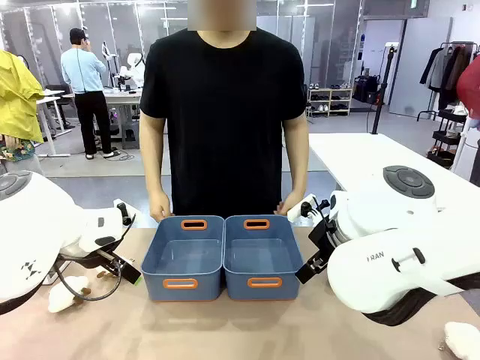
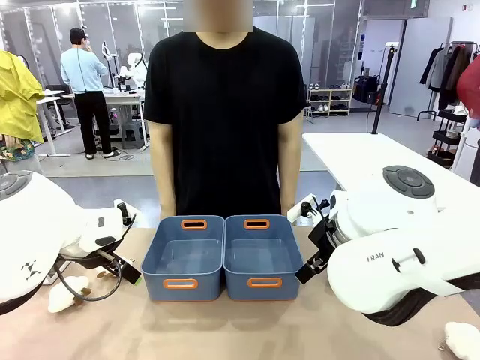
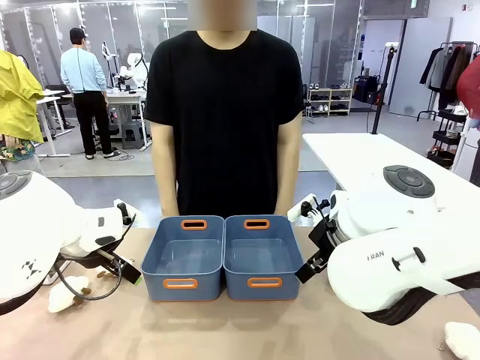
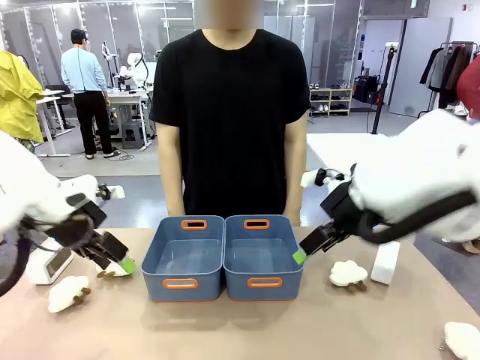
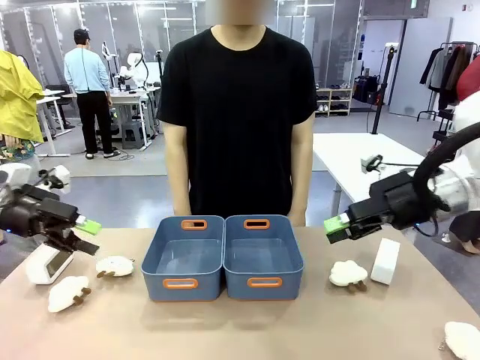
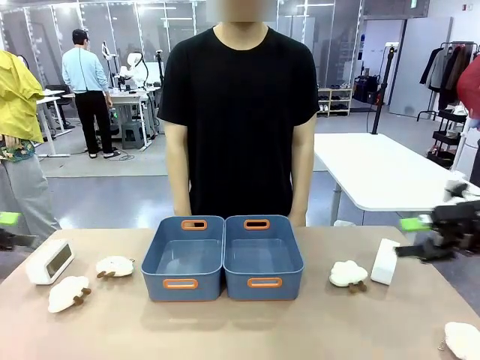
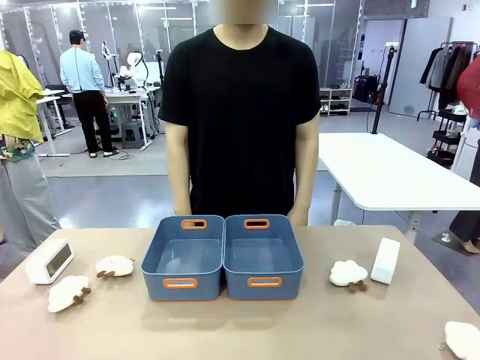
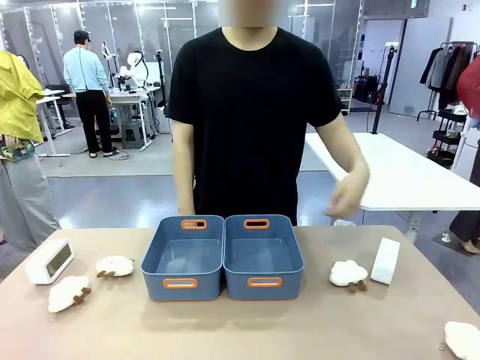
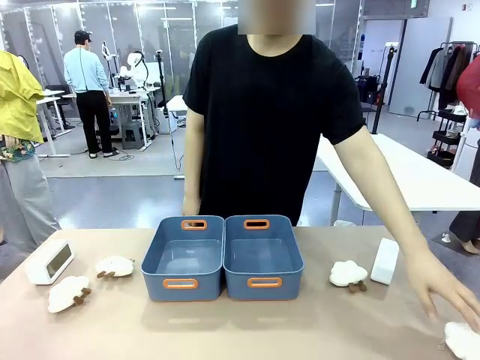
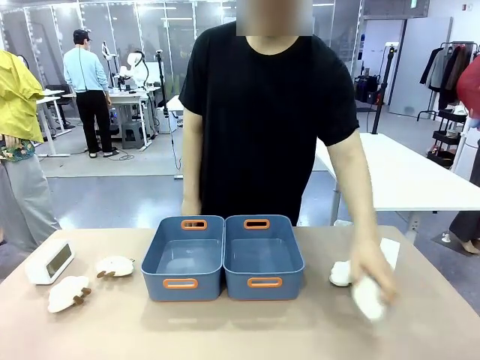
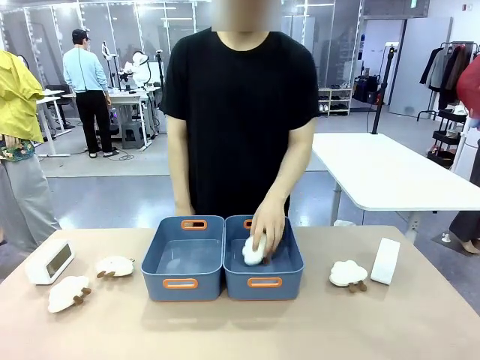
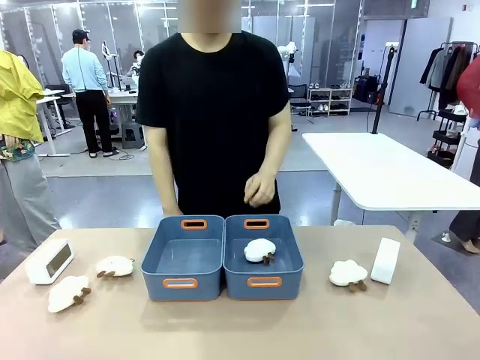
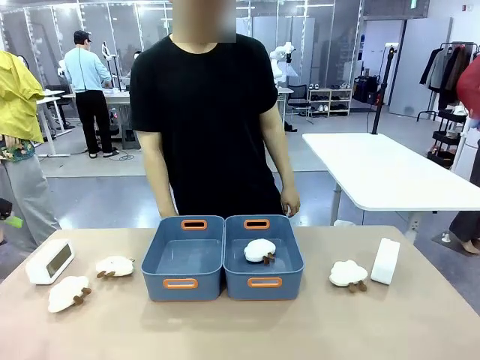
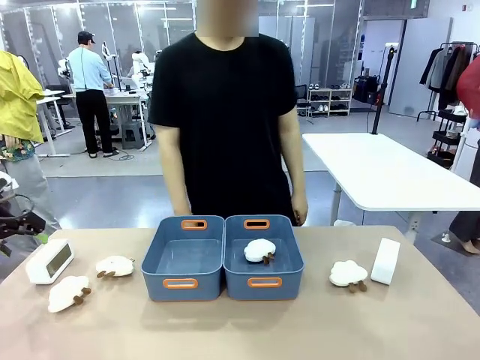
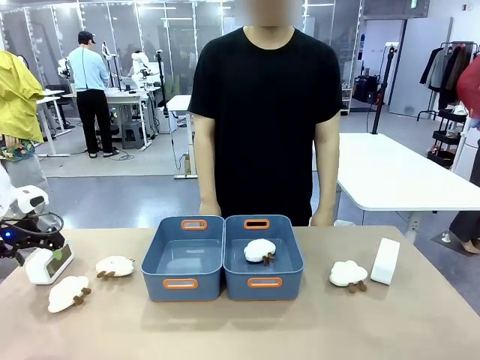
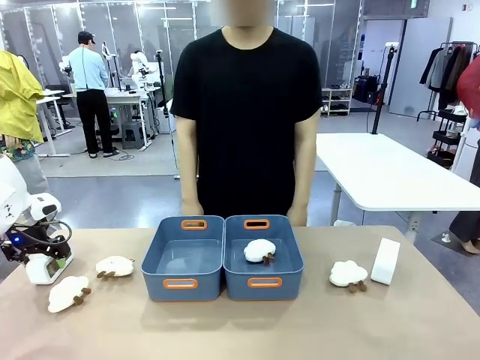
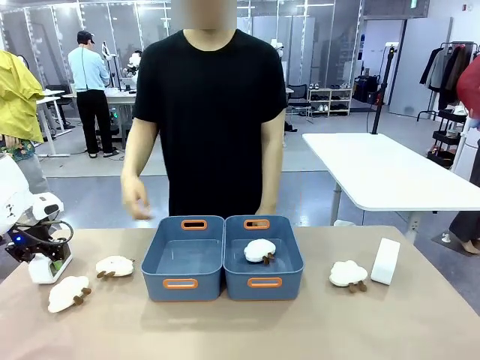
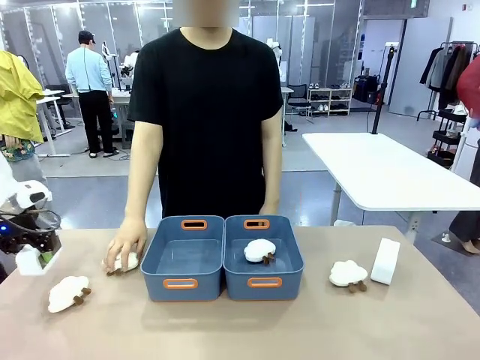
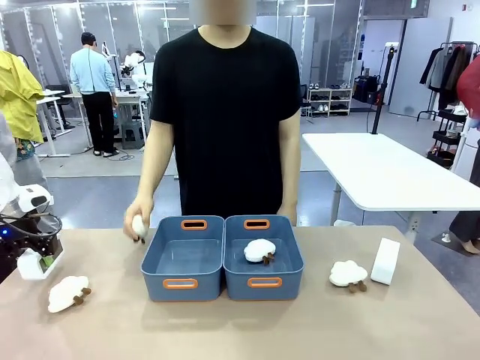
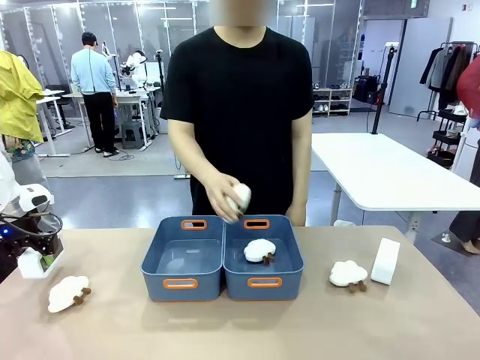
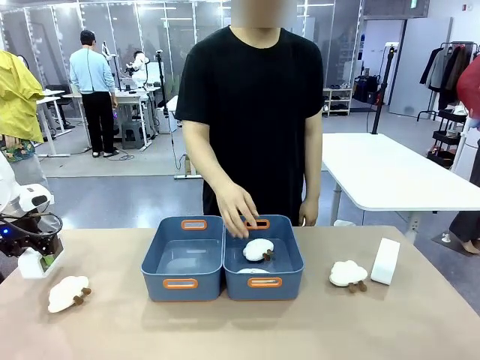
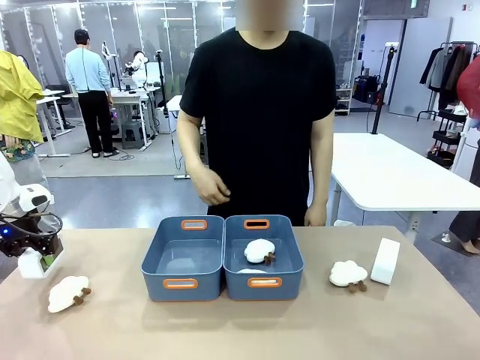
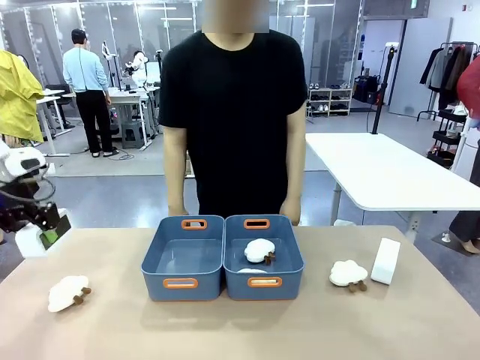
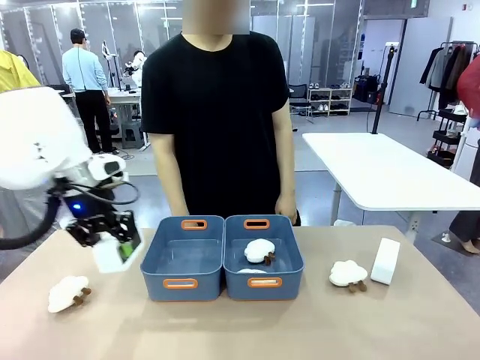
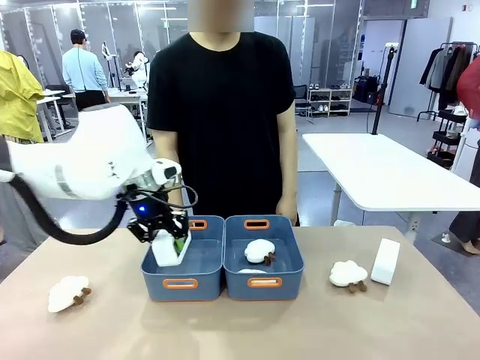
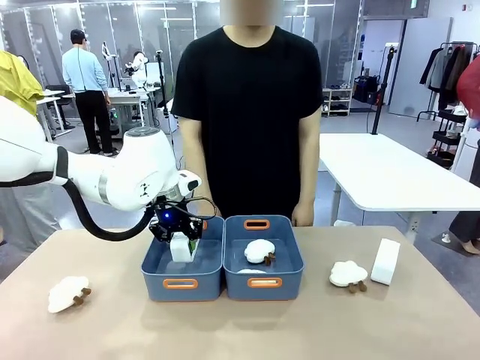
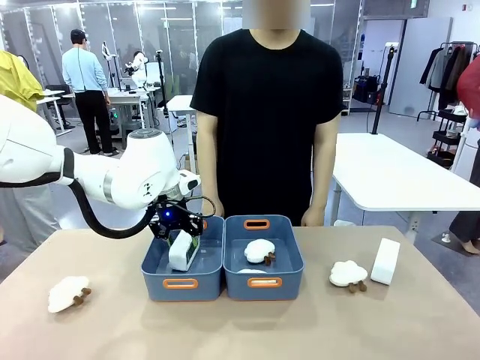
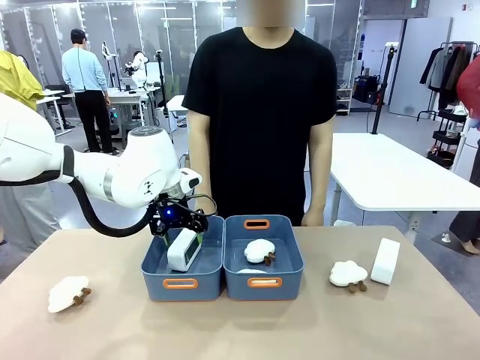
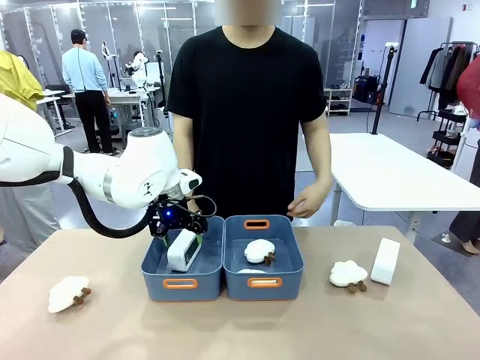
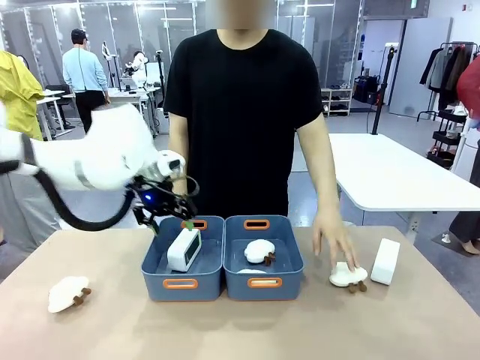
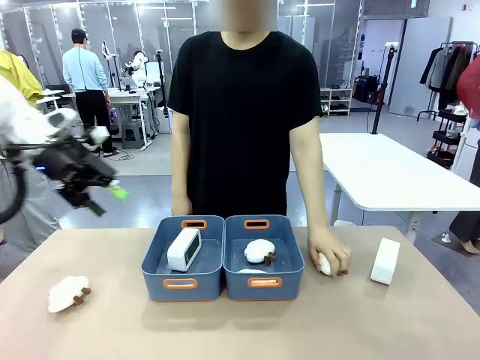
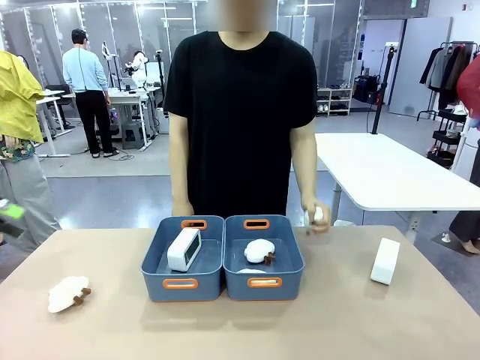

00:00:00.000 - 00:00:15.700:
Task: Sort the digital clocks into the basket.
Robot: Pick up the Digital clock from the table and place it into the empty Plastic storage basket.
Person: Pick up a plush toy from the table and place it in a plastic storage basket.

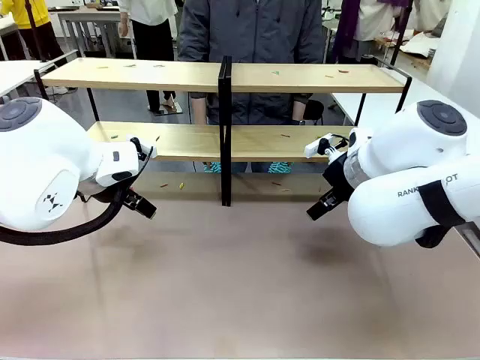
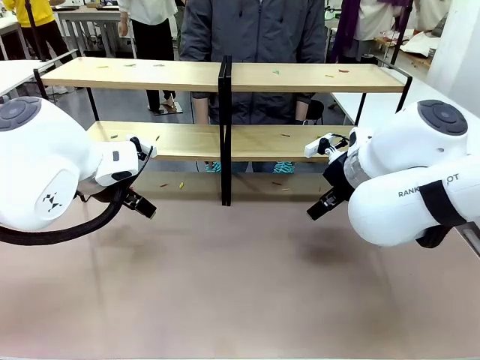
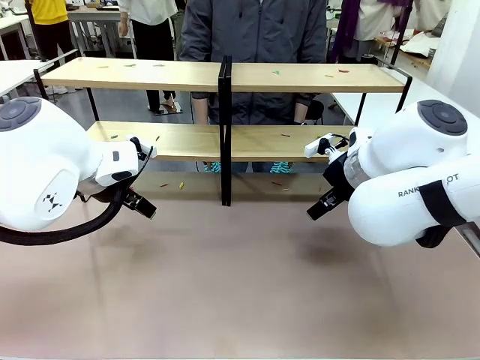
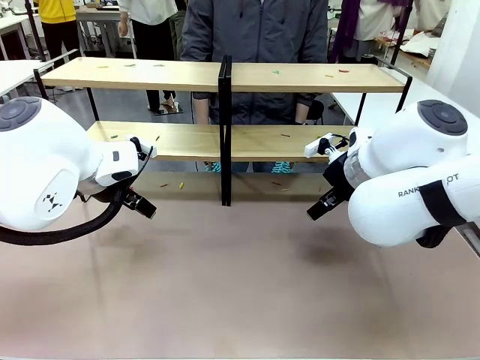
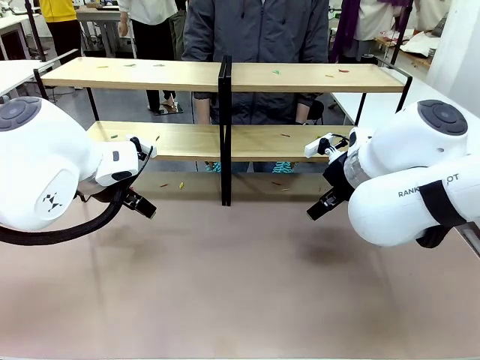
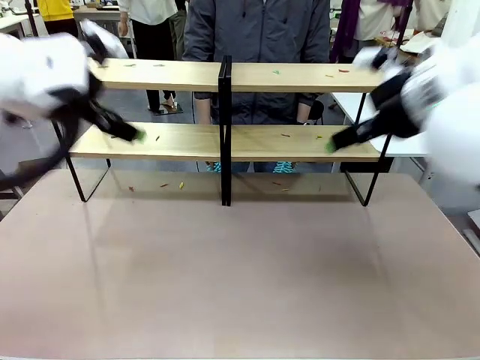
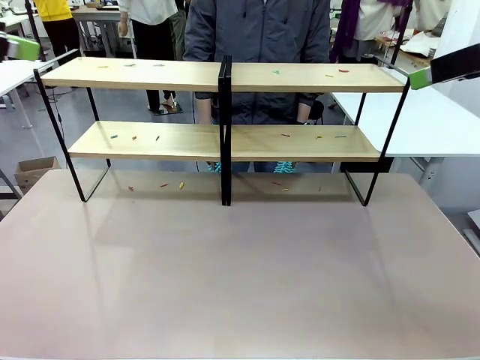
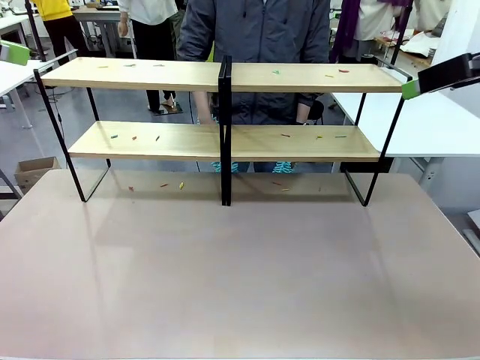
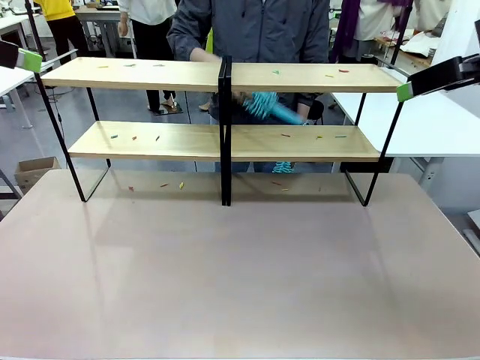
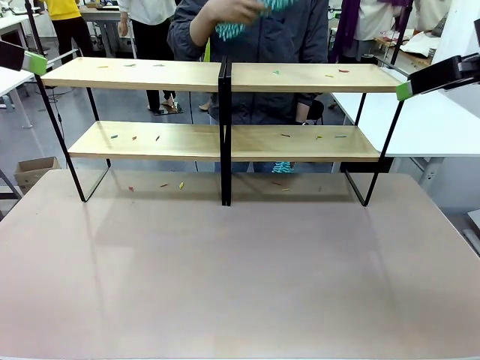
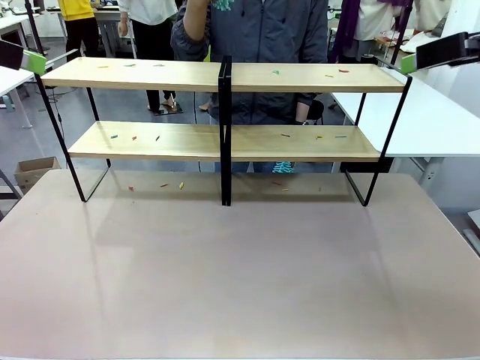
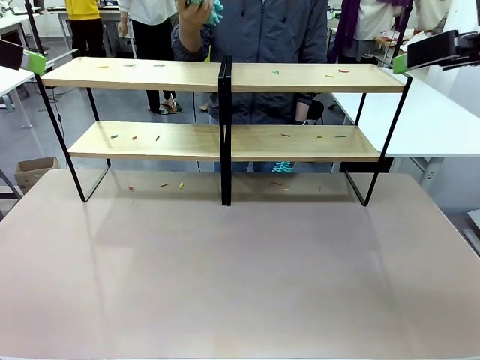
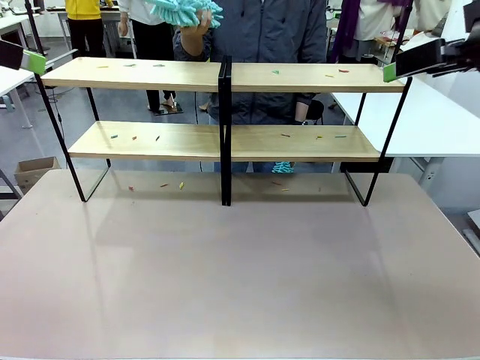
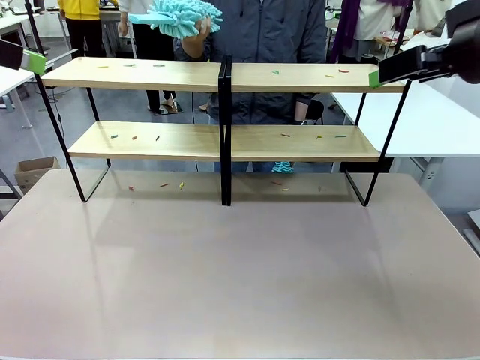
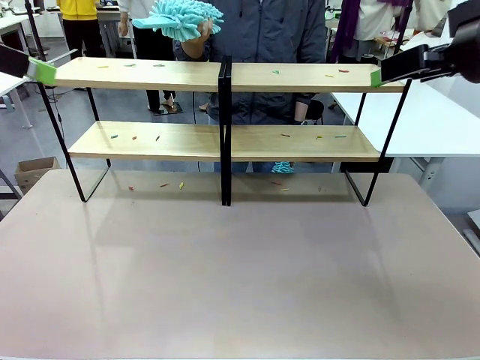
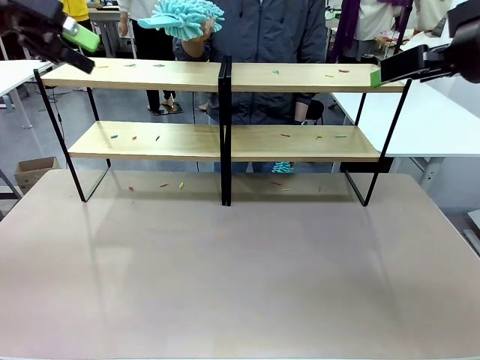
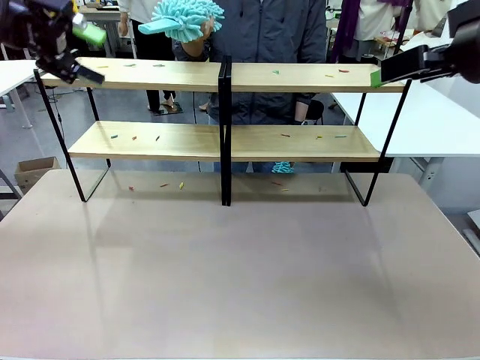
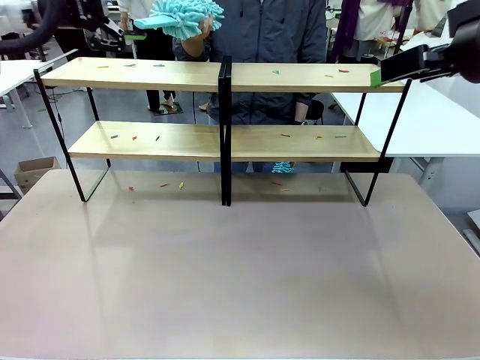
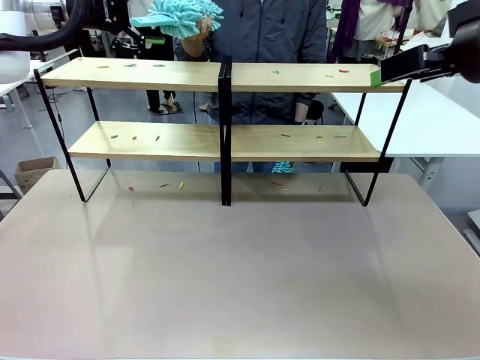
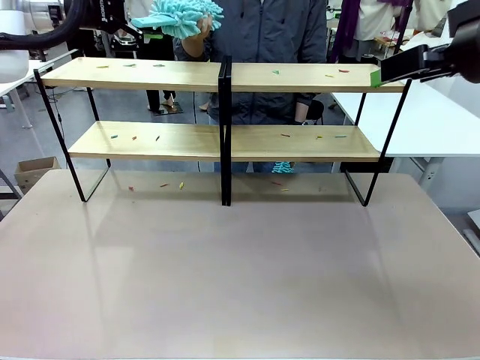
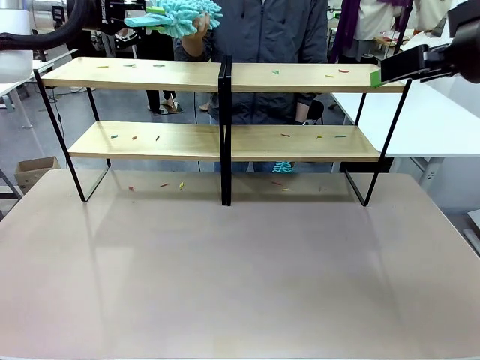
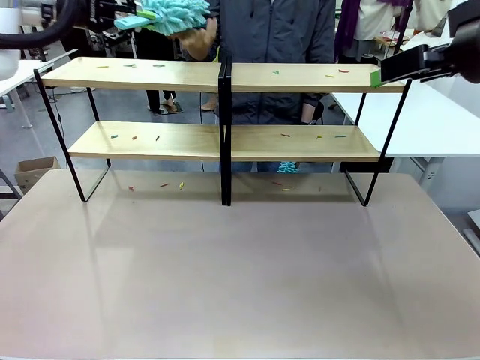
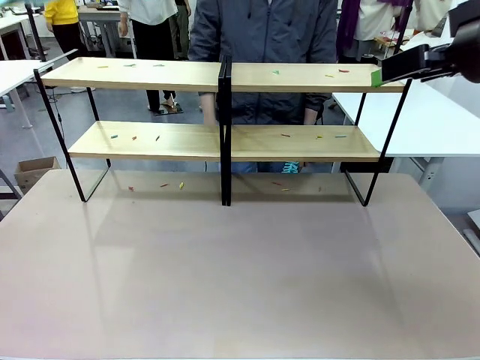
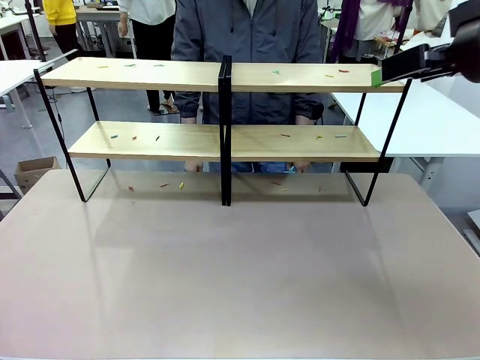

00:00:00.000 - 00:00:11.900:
Task: Clean the shelves.
Robot: Pick up the Duster when the human hands it over.
Person: Hand the Duster to the robot with your right (or left) hand.
